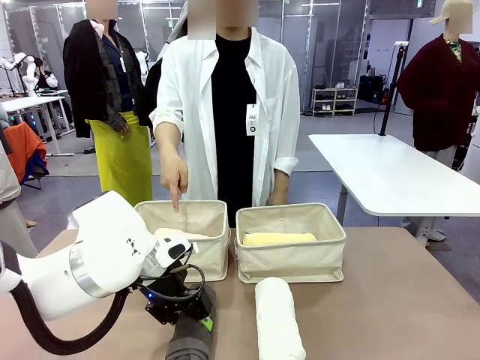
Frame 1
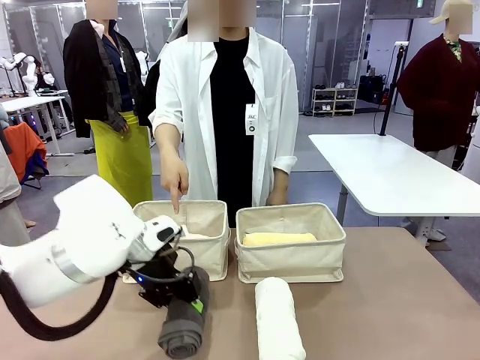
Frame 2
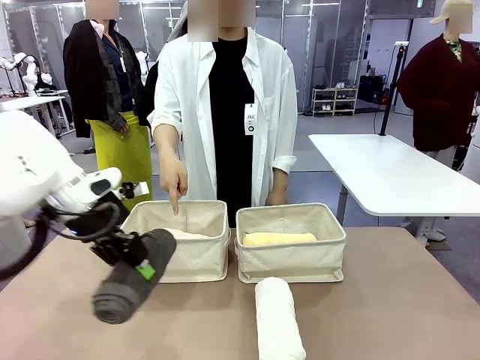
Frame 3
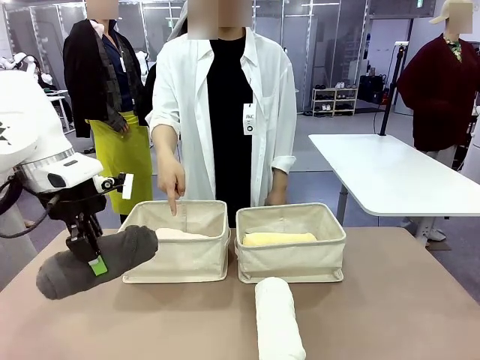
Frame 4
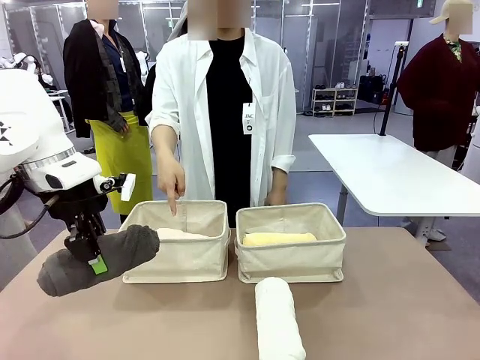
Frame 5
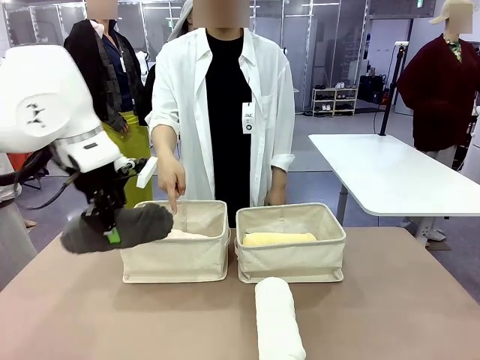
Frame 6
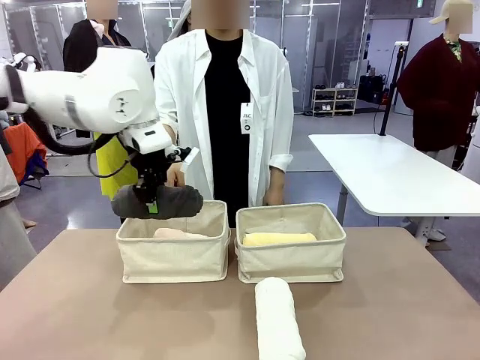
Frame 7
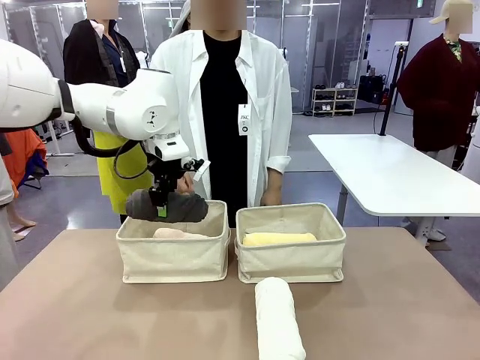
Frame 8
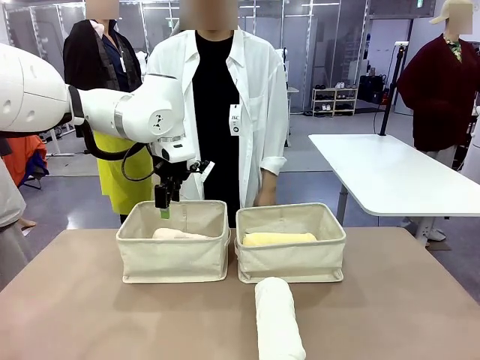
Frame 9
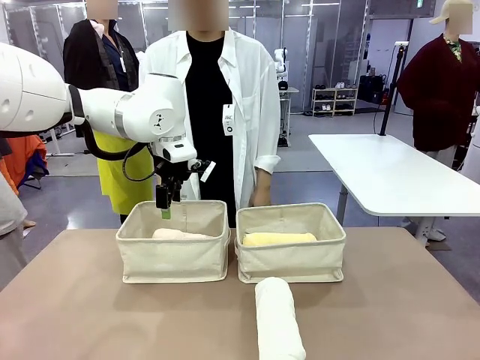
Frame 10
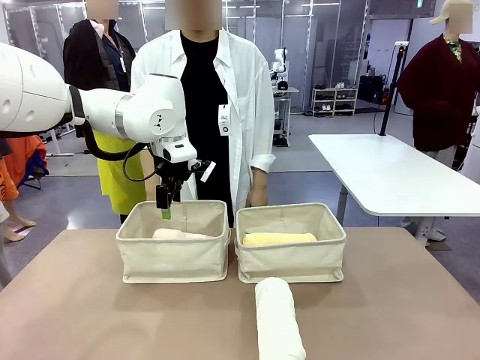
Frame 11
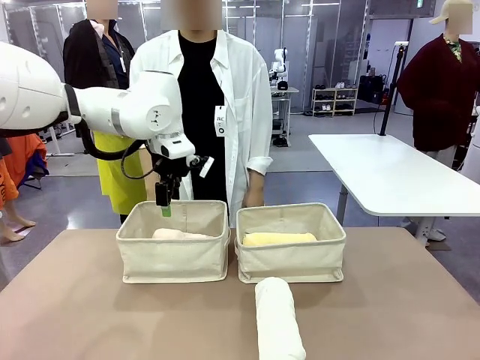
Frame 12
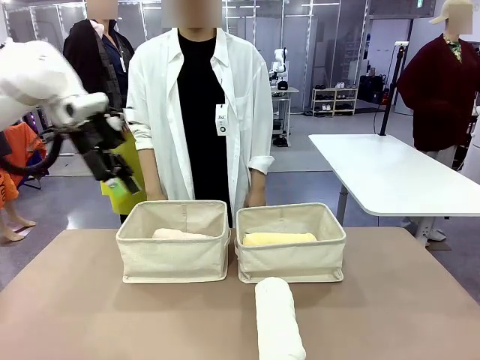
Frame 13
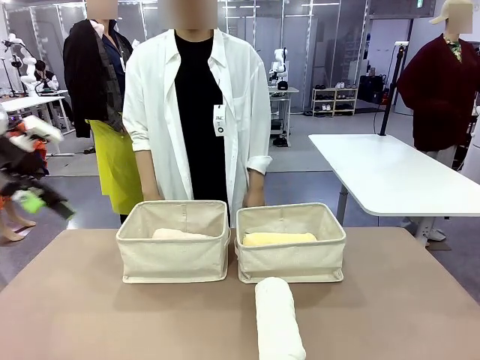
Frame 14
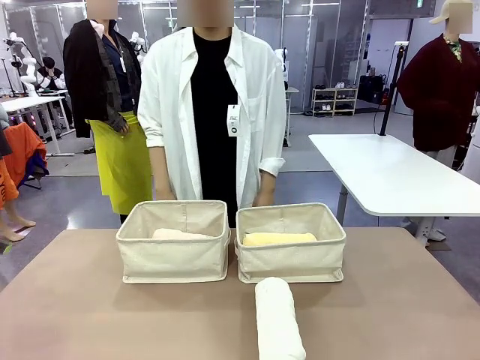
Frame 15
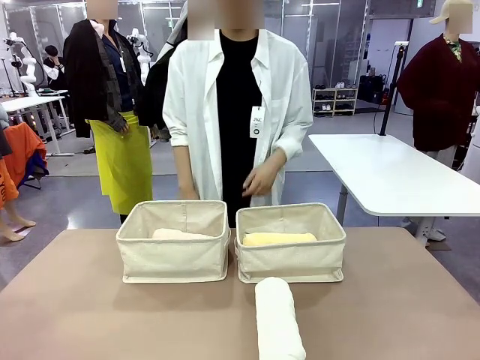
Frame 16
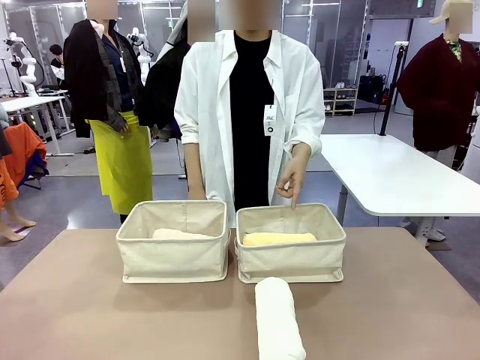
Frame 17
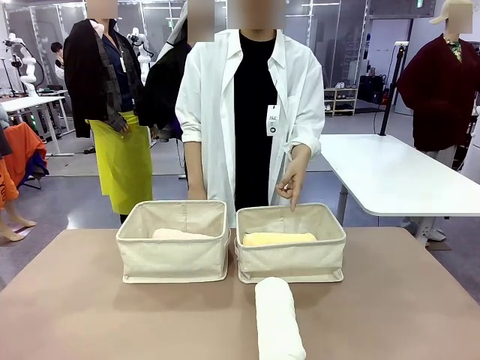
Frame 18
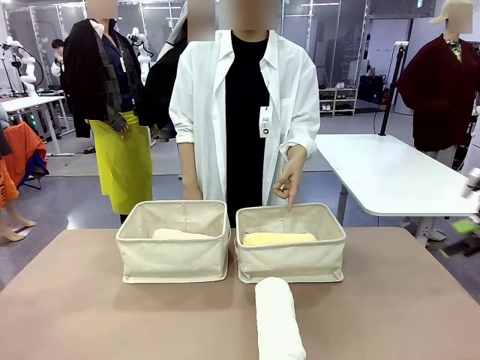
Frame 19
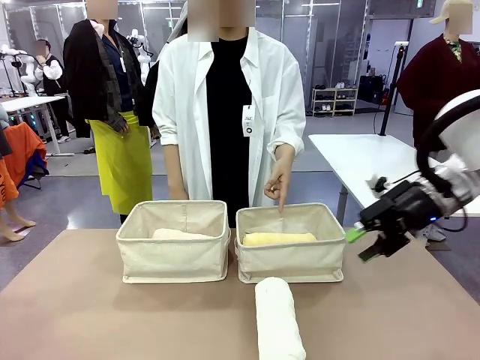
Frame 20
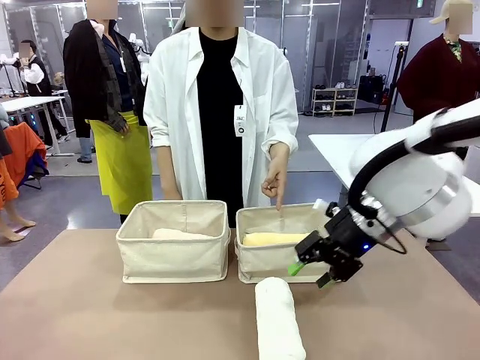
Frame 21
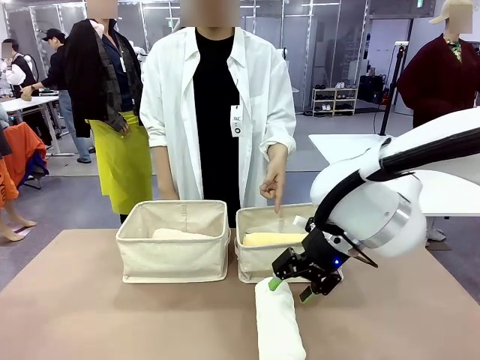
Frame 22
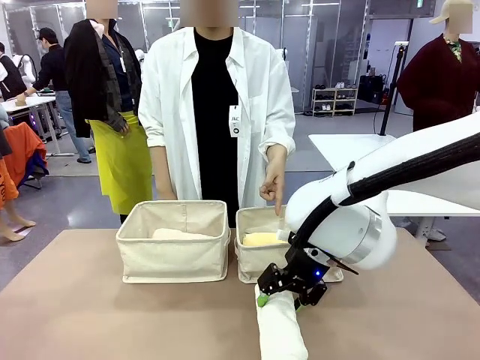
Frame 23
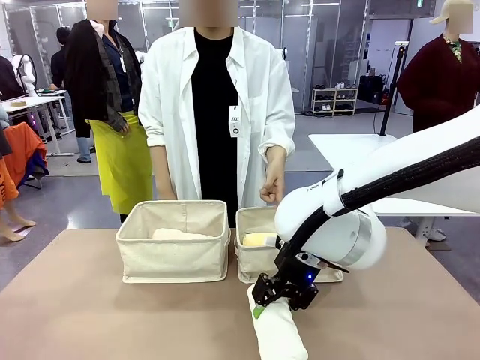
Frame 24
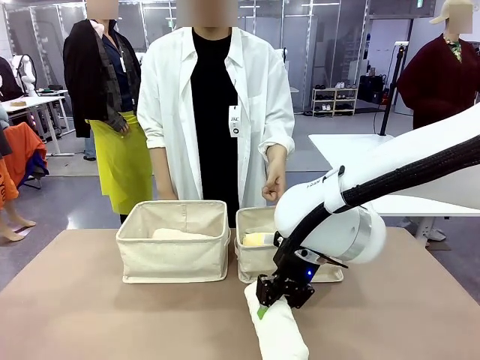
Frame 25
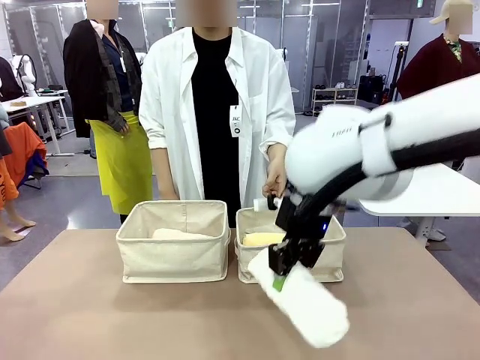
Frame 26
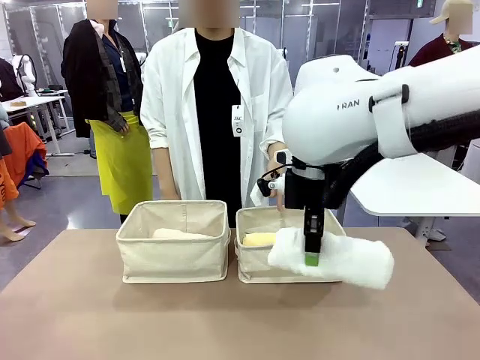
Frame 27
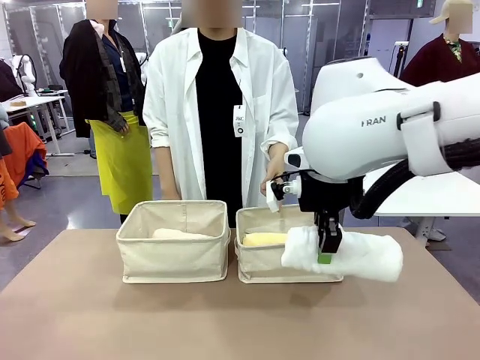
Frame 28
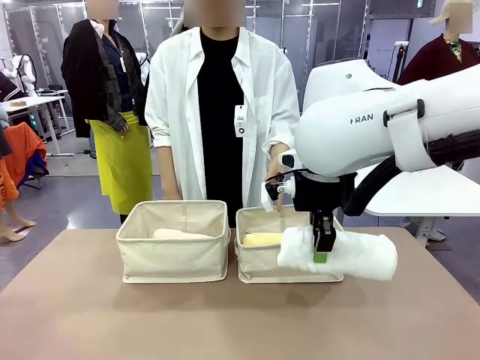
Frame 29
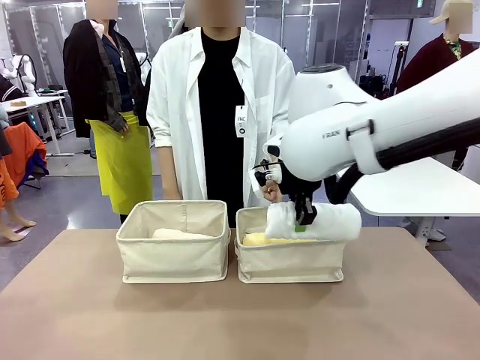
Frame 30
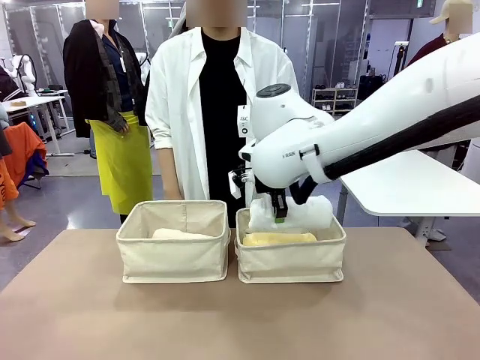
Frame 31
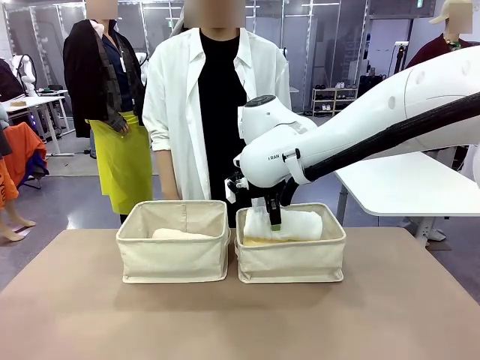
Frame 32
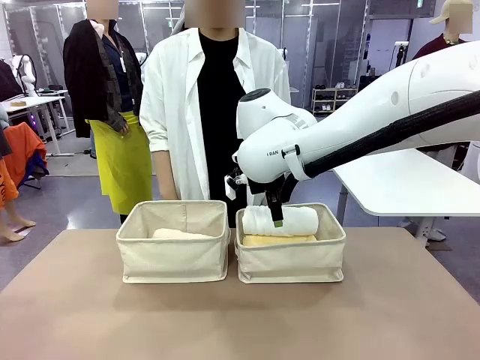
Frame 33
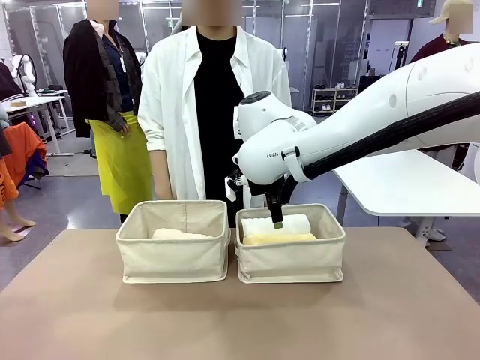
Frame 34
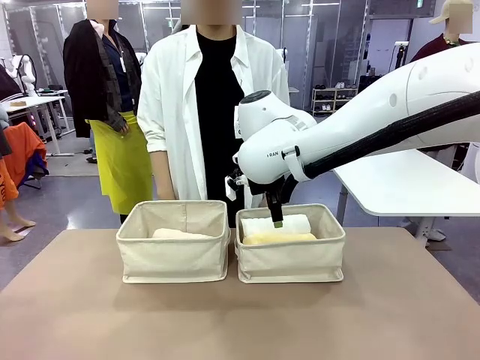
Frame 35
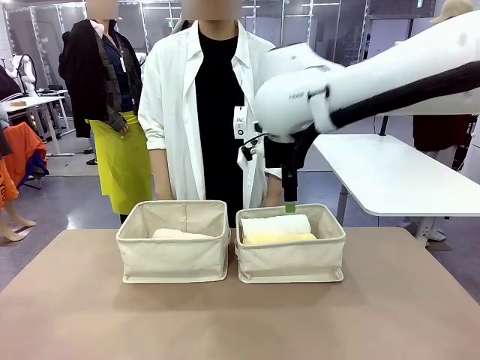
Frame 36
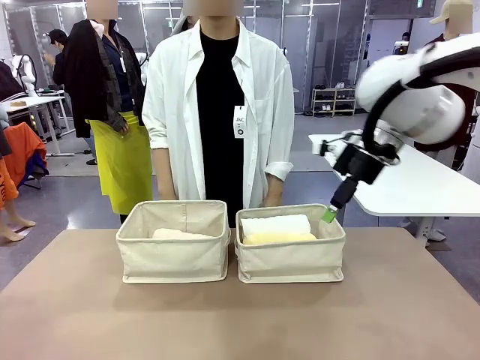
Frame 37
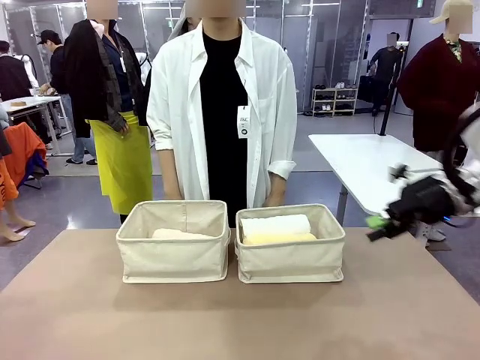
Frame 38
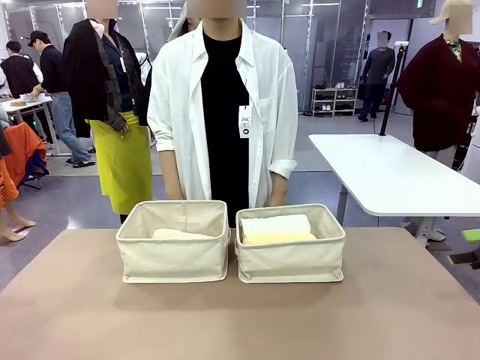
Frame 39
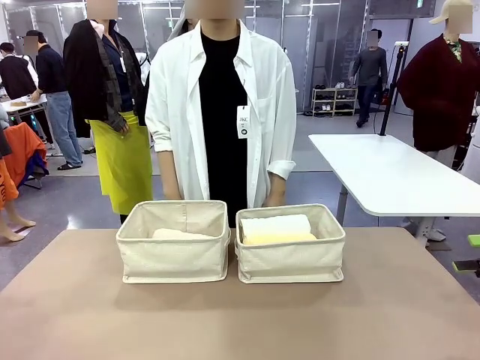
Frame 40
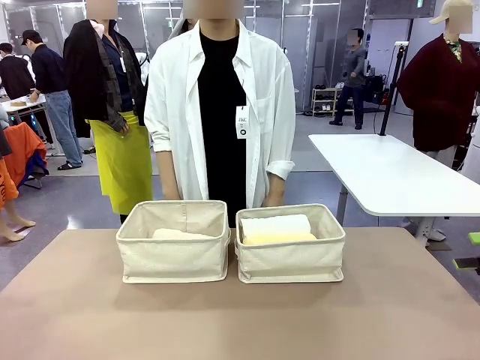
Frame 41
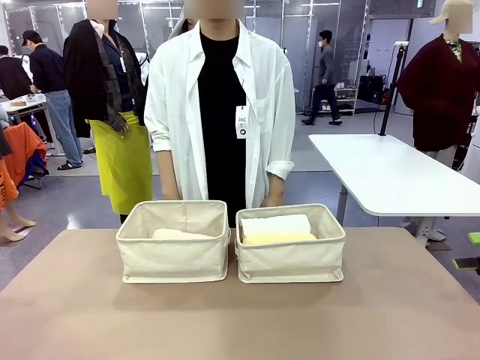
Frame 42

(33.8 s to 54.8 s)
Task: Divide the towels into two baskets.
Robot: Pick up one hotel-folded towel from the bottom of the table and place it in the Fabric basket indicated by the person.
